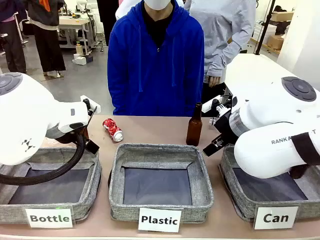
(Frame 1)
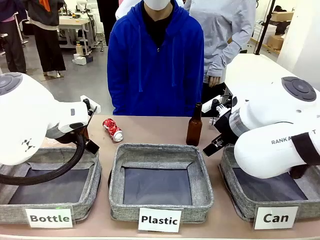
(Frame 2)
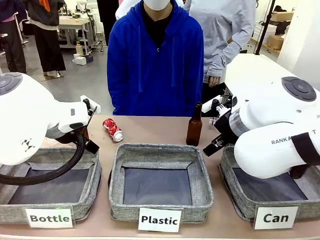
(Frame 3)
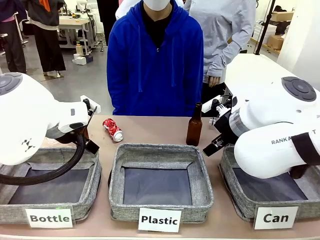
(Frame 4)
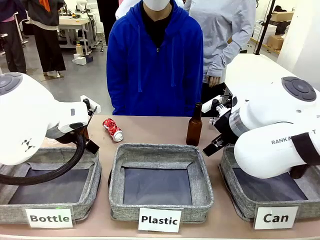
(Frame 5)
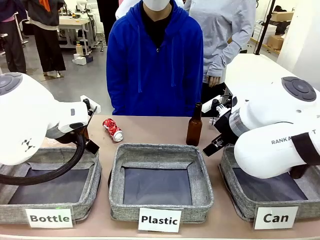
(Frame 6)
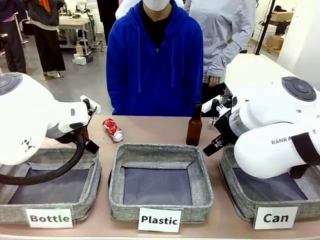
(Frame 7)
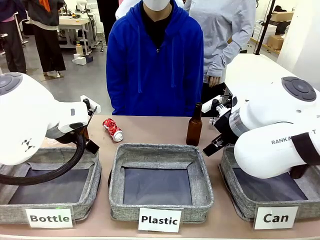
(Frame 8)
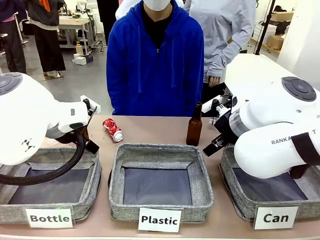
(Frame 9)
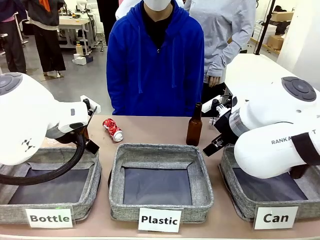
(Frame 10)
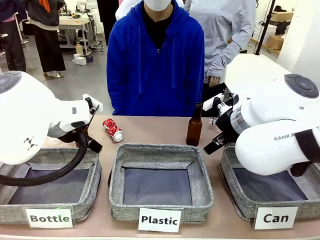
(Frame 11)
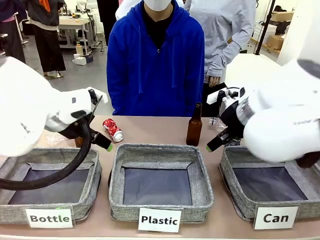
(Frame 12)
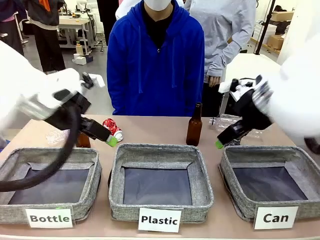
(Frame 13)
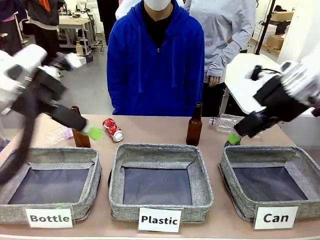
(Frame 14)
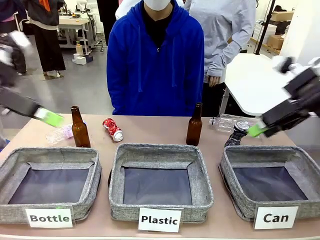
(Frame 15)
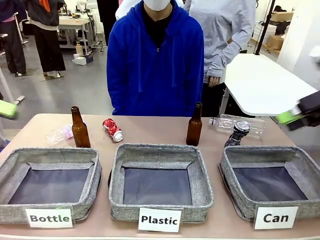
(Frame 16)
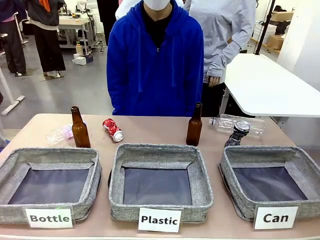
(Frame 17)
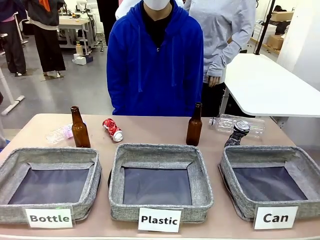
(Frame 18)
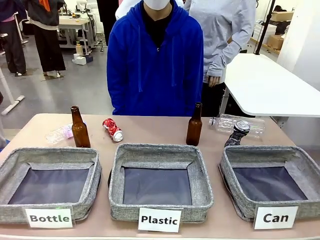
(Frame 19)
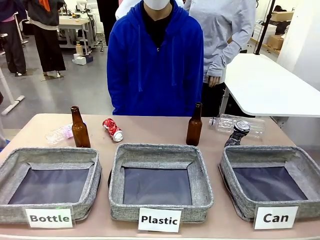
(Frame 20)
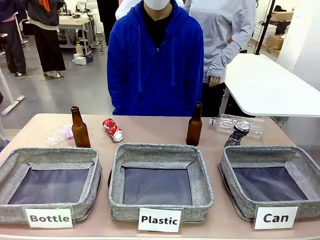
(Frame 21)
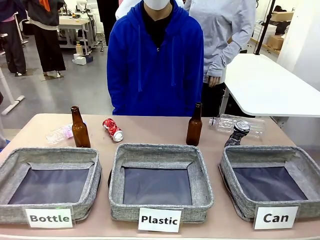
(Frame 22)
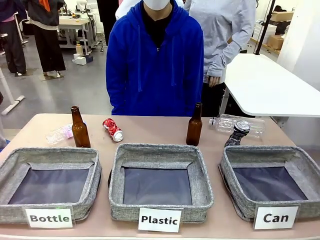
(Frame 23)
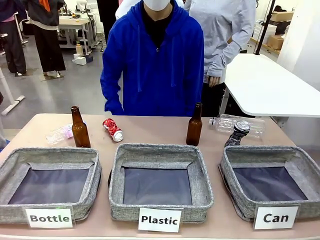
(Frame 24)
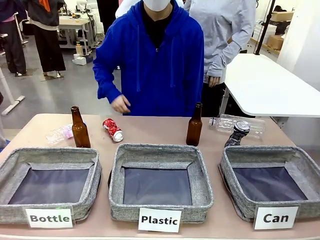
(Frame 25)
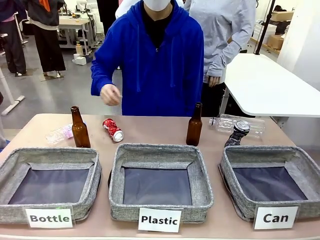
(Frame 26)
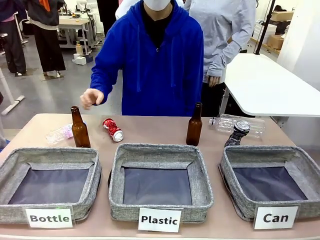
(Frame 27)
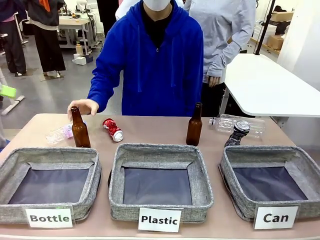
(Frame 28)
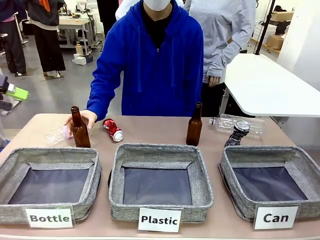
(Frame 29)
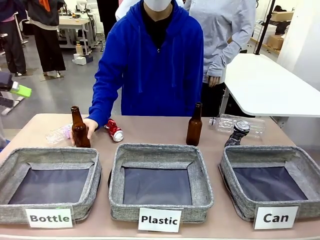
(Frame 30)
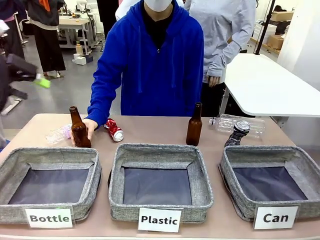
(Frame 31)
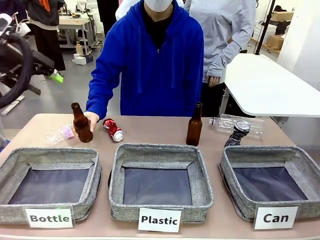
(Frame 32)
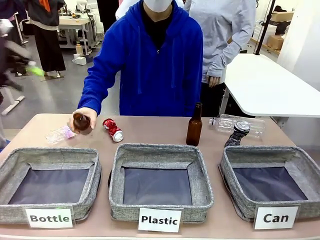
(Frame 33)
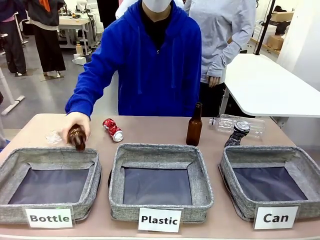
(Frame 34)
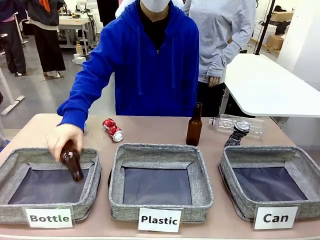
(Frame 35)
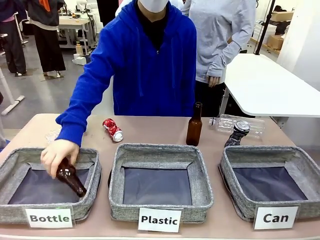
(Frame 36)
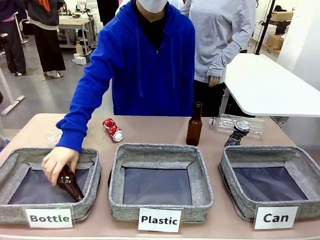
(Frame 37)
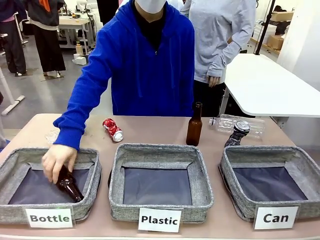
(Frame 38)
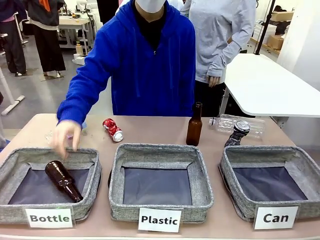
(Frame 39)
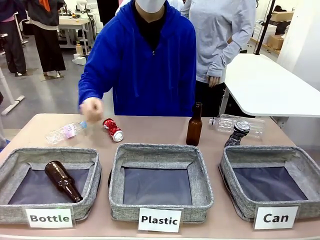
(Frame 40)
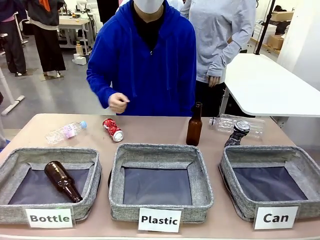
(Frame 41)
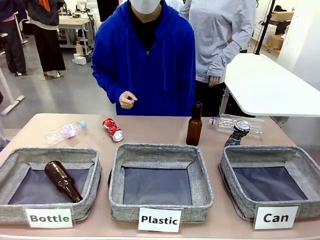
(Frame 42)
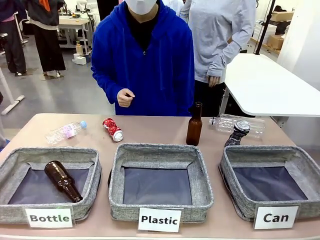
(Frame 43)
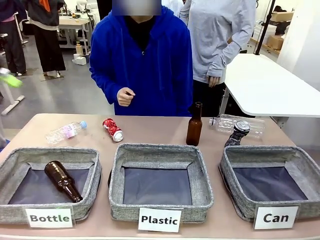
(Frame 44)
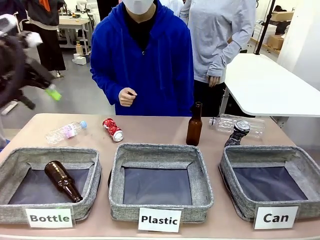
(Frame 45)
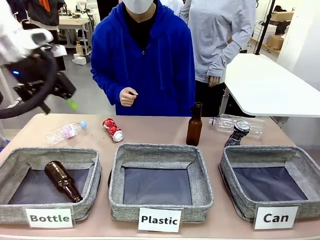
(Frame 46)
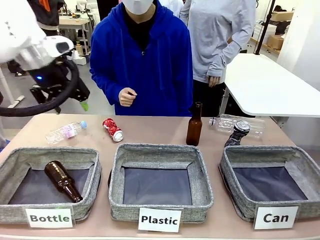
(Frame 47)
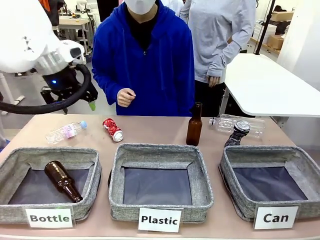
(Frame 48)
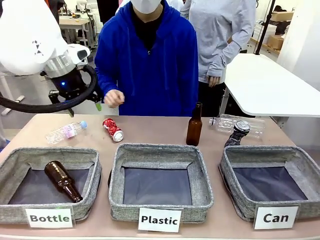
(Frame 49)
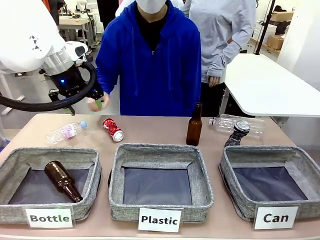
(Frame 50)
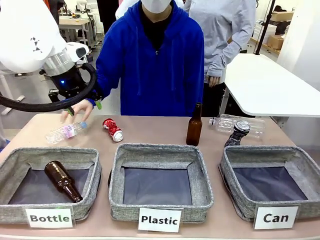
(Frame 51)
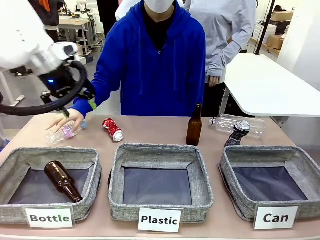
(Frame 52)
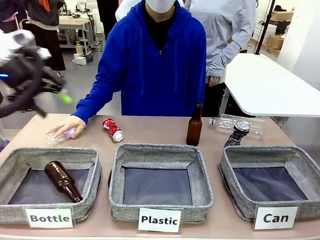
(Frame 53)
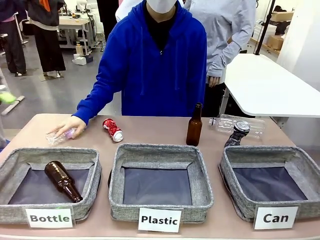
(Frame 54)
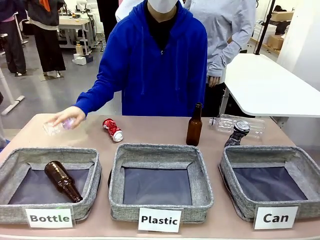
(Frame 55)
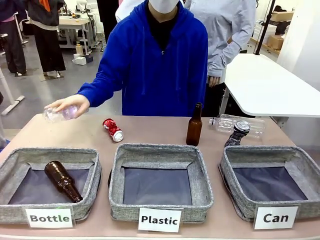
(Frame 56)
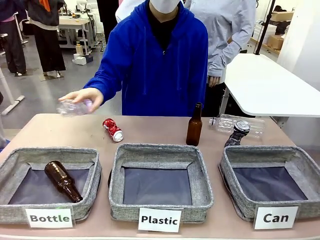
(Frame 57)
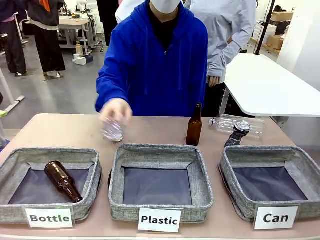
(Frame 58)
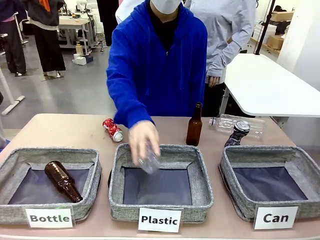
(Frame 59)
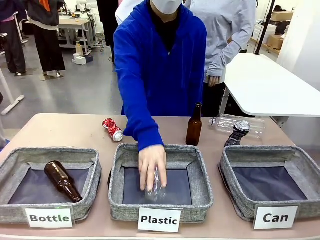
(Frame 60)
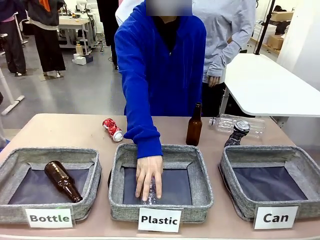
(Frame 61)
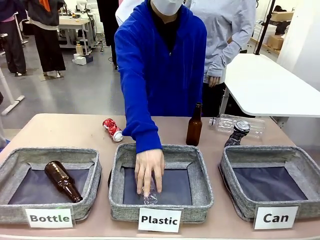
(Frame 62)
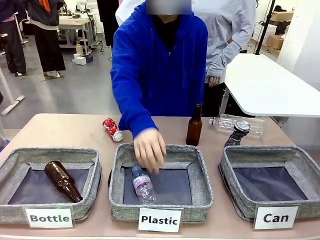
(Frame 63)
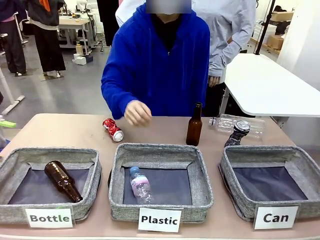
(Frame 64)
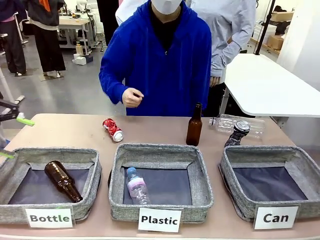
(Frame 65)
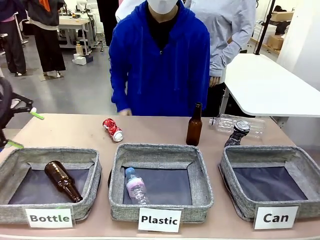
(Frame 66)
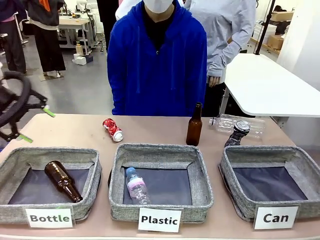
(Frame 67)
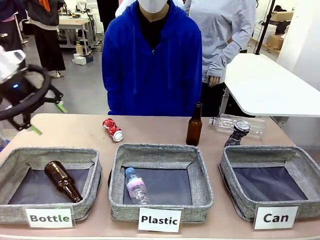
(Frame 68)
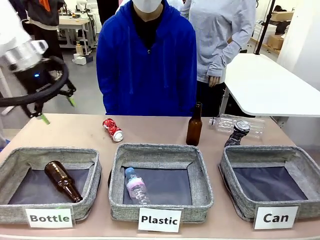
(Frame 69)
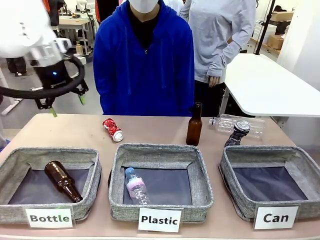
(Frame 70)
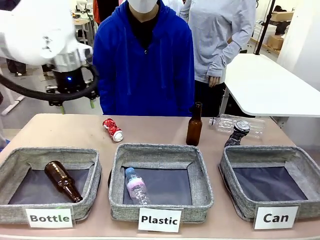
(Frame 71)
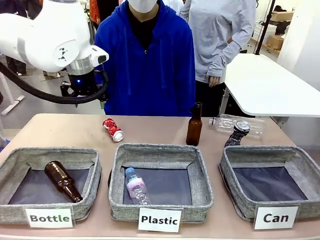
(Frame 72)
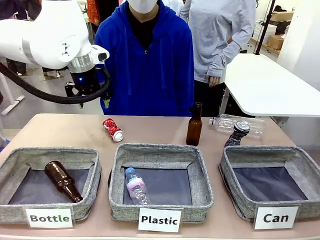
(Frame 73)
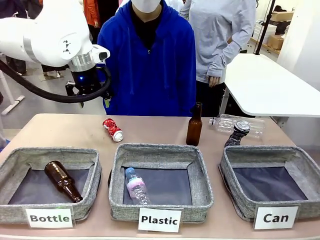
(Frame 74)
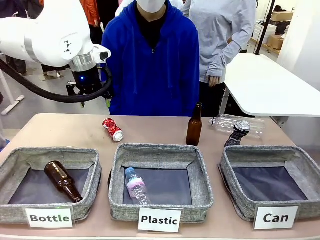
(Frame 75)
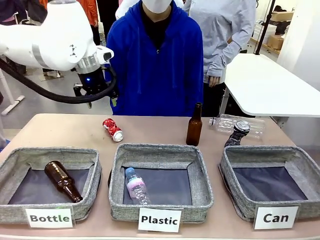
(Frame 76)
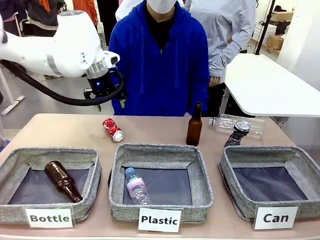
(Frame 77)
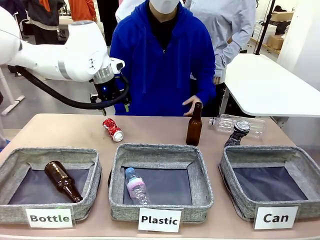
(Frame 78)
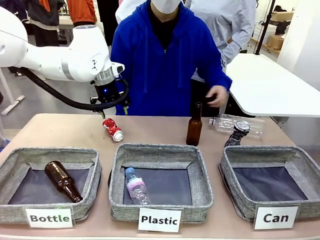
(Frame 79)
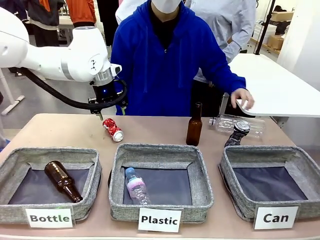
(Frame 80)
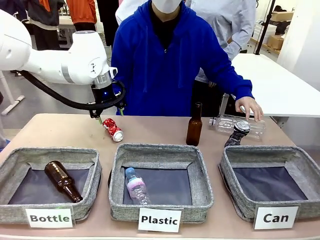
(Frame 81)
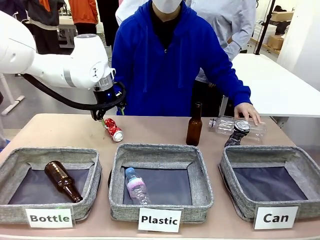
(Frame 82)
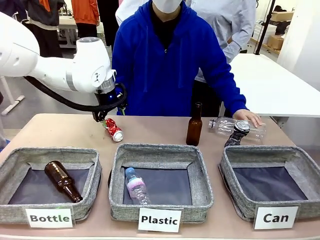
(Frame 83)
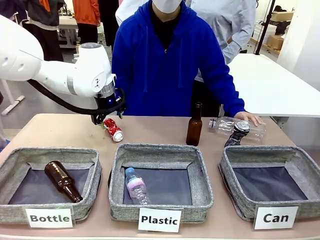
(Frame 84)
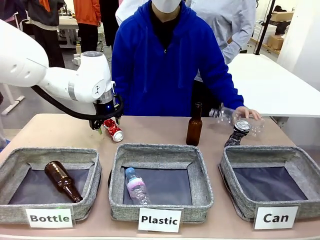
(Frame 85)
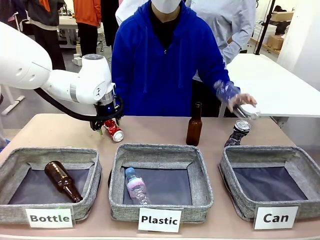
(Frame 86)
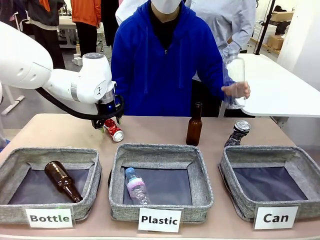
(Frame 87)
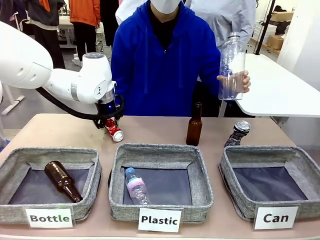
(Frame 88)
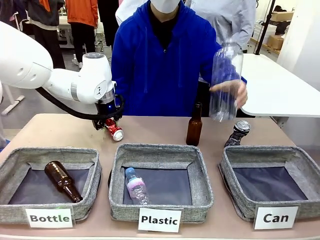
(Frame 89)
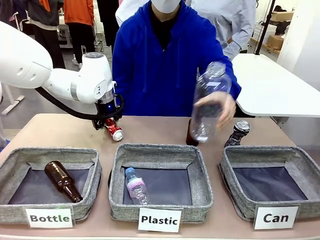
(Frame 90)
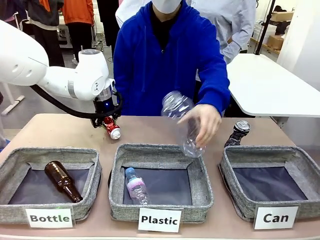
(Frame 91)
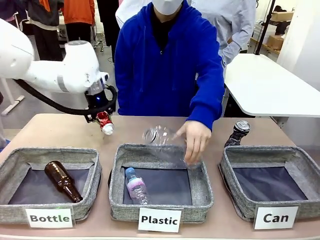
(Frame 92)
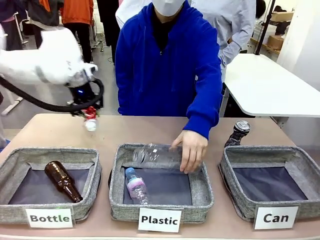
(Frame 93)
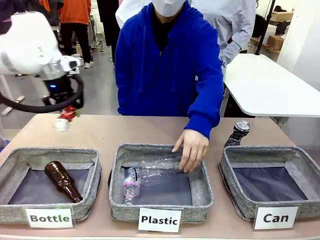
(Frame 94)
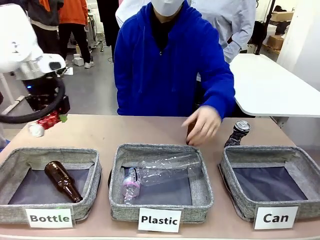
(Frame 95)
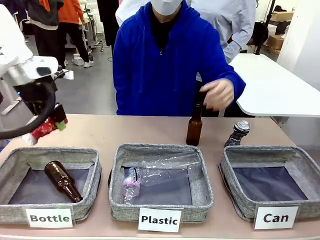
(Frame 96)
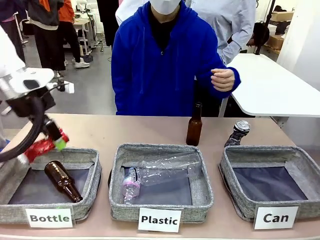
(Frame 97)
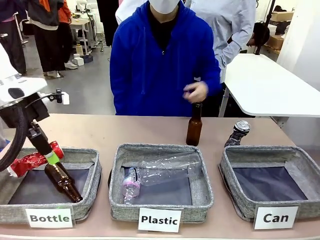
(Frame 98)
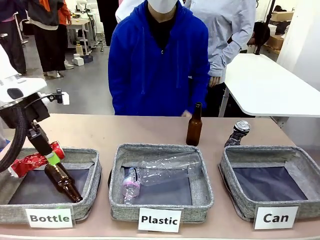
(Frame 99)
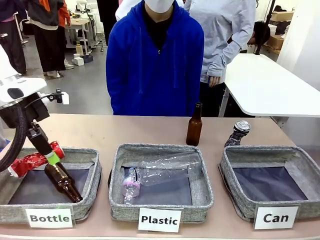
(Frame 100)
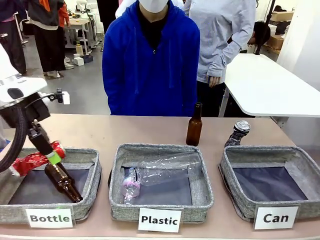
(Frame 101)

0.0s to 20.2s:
Task: Sort the can waste into the basket.
Robot: Pick up the can waste from the table and place it in the right Fabric basket.
